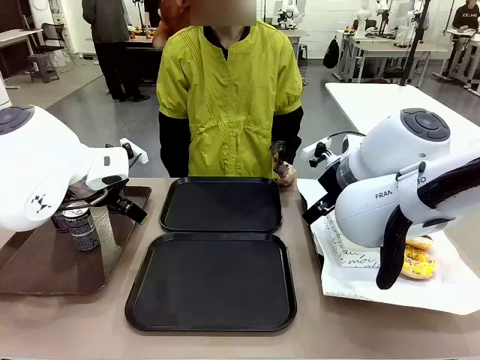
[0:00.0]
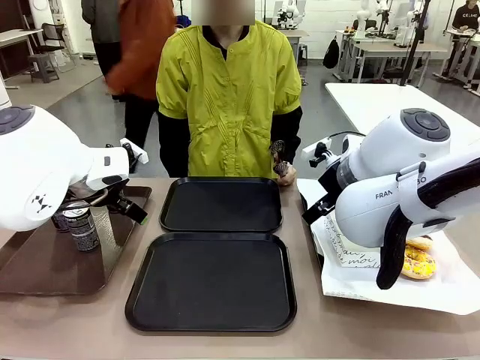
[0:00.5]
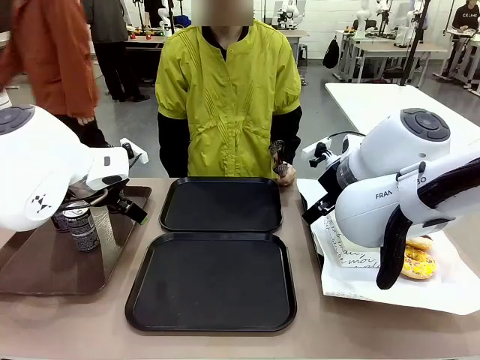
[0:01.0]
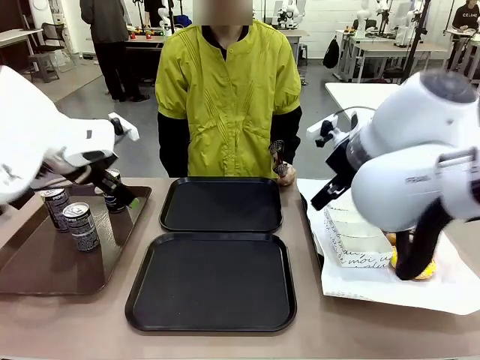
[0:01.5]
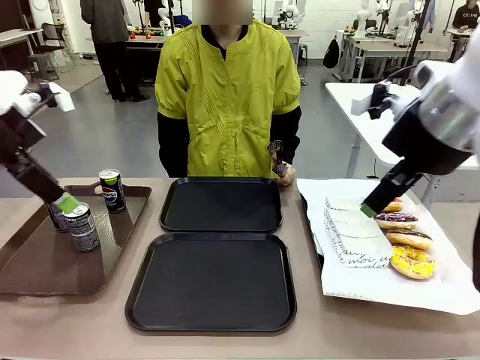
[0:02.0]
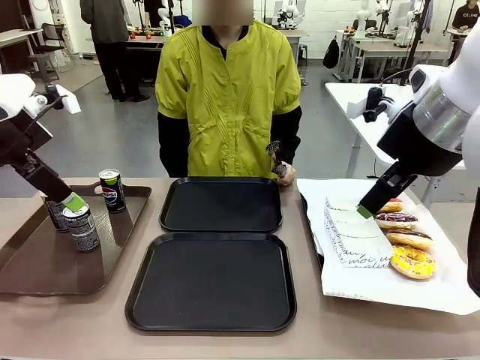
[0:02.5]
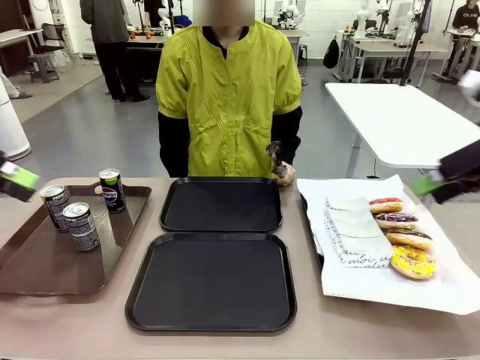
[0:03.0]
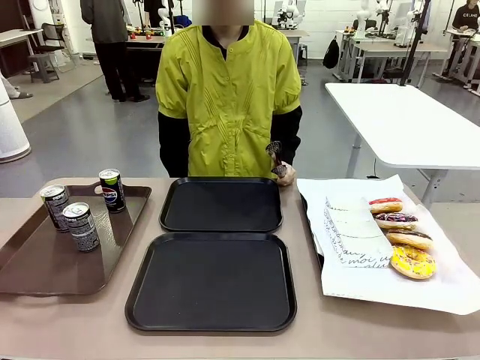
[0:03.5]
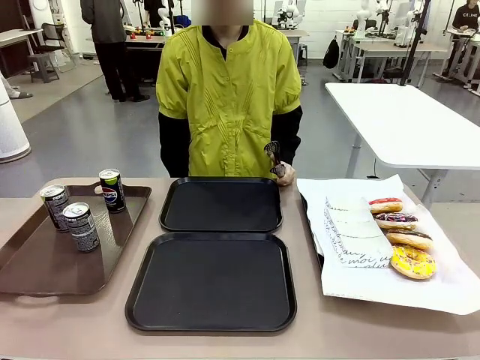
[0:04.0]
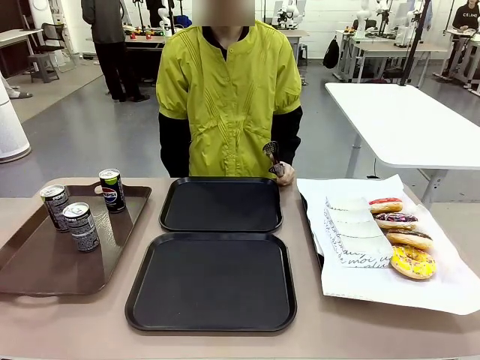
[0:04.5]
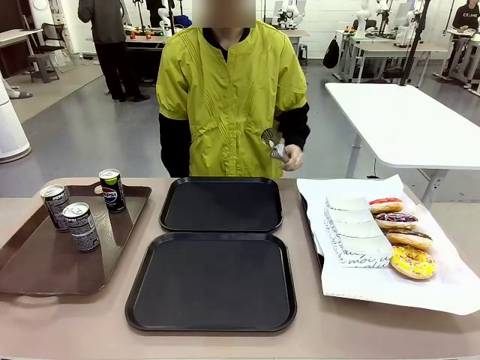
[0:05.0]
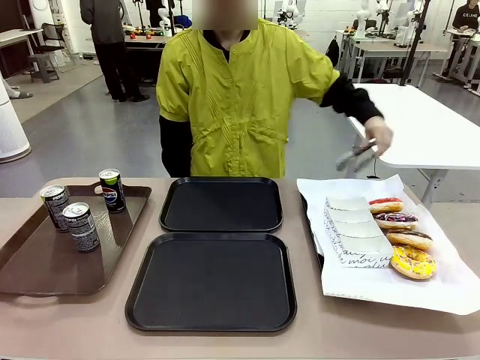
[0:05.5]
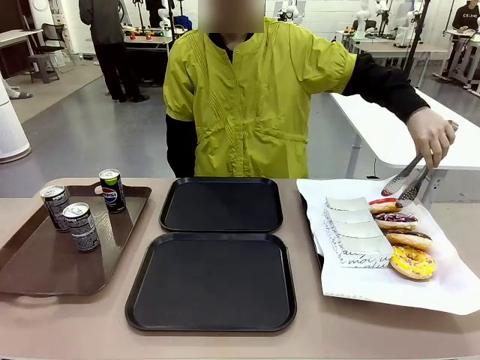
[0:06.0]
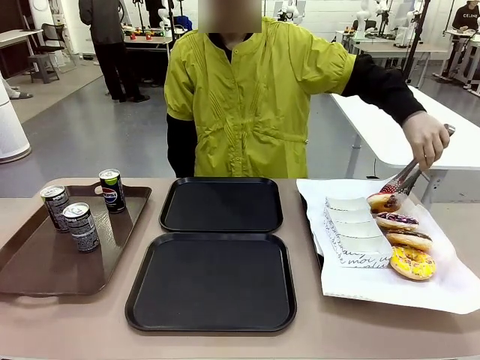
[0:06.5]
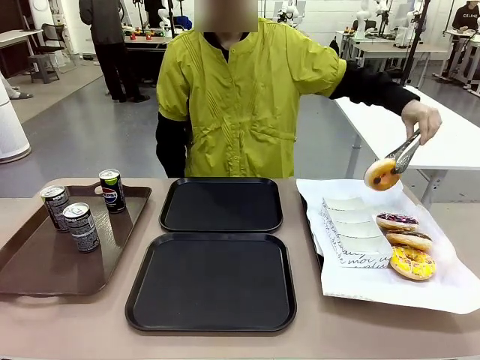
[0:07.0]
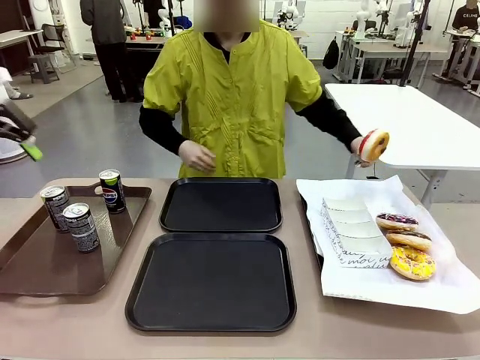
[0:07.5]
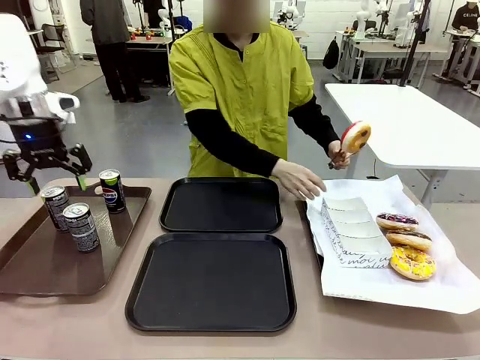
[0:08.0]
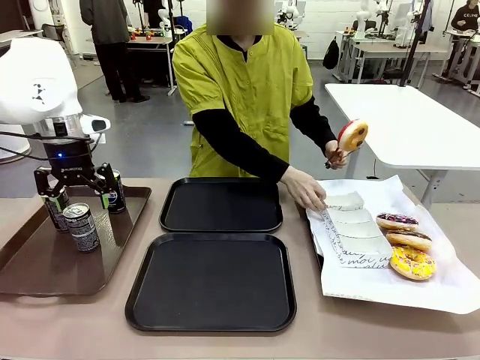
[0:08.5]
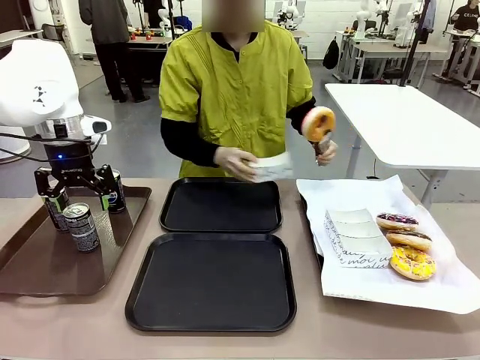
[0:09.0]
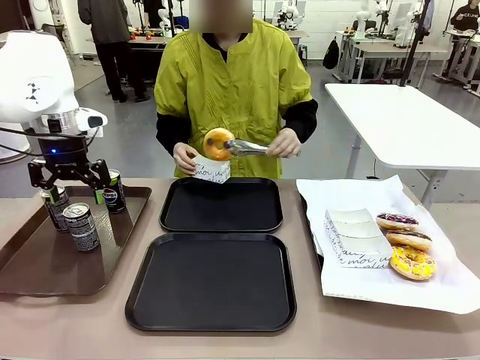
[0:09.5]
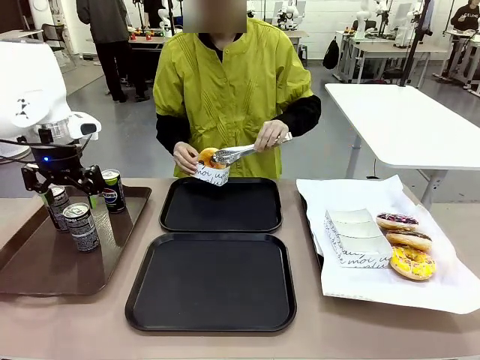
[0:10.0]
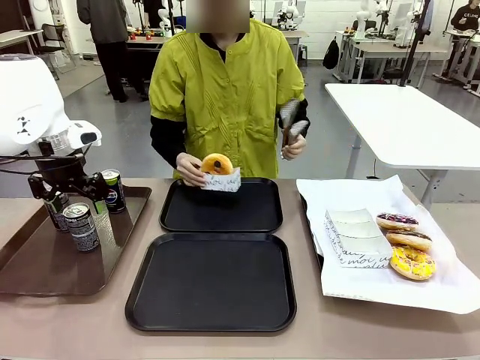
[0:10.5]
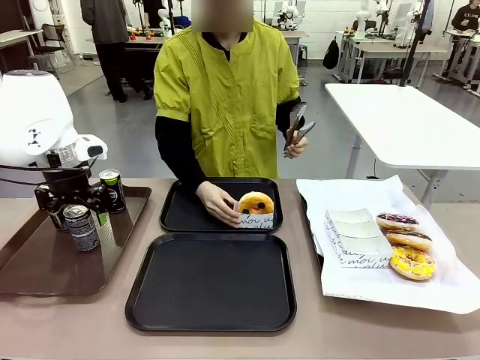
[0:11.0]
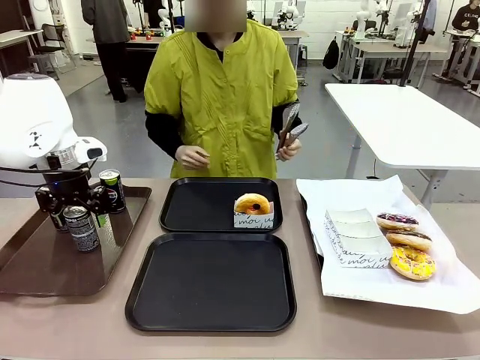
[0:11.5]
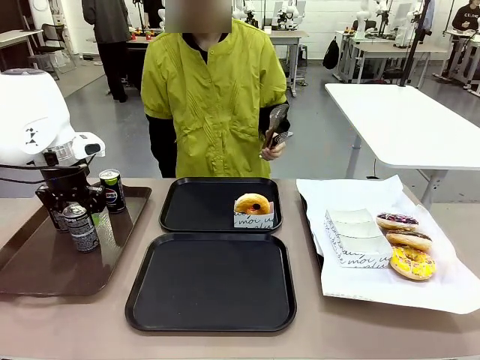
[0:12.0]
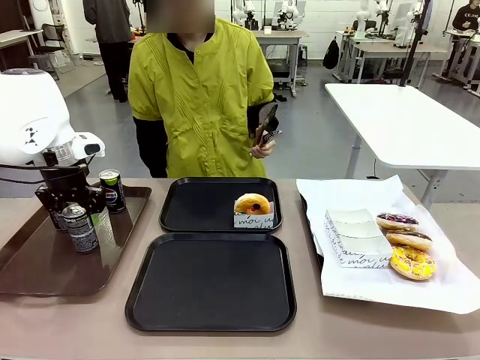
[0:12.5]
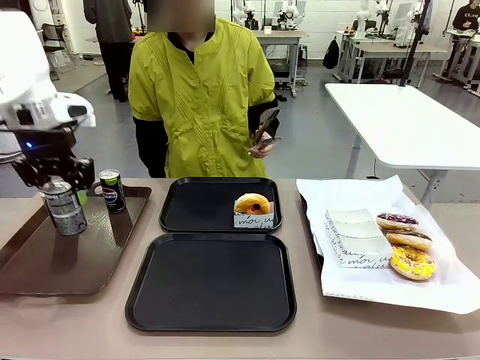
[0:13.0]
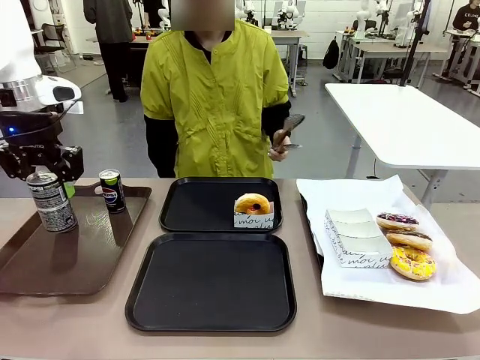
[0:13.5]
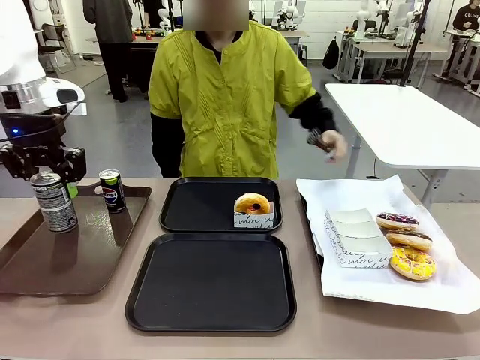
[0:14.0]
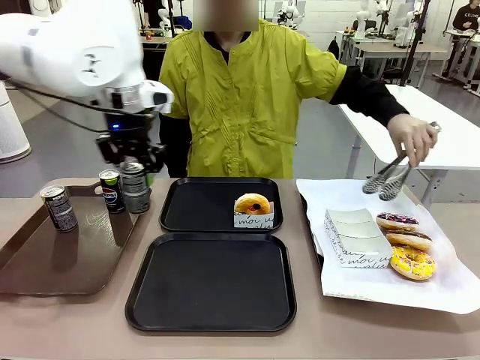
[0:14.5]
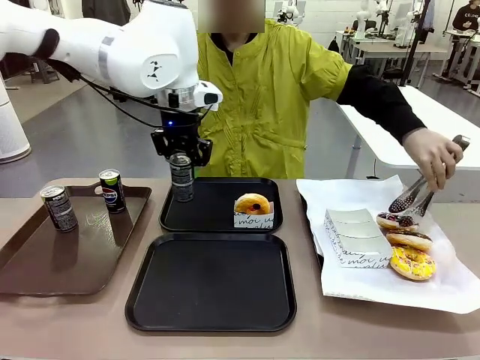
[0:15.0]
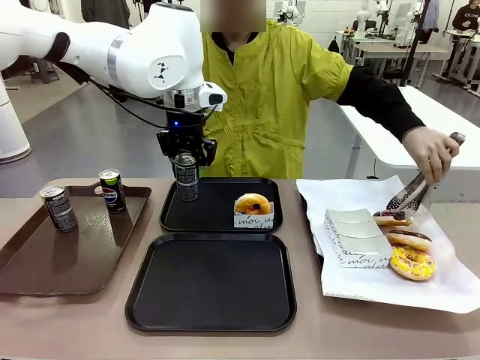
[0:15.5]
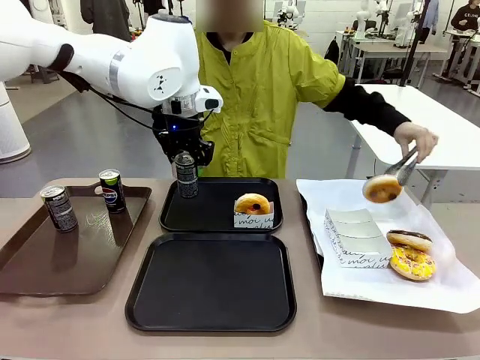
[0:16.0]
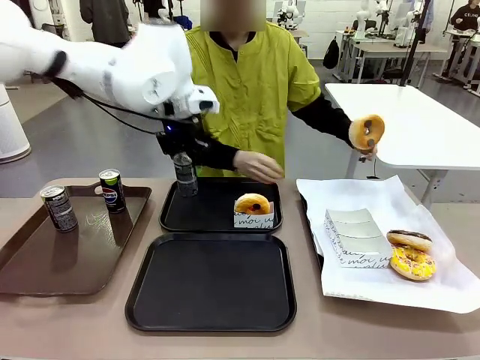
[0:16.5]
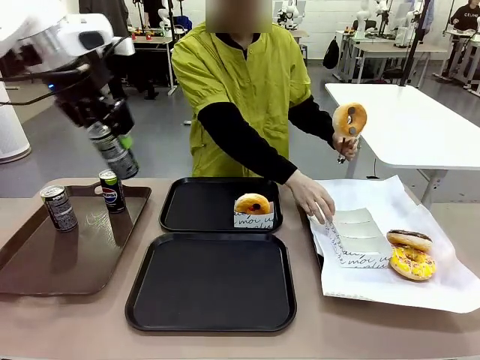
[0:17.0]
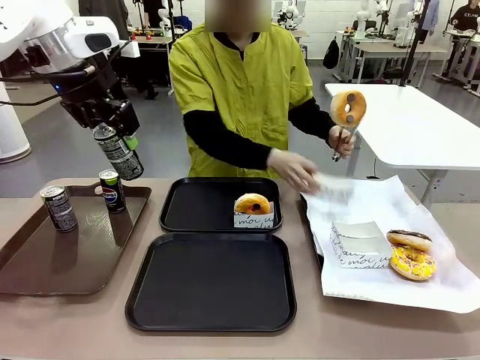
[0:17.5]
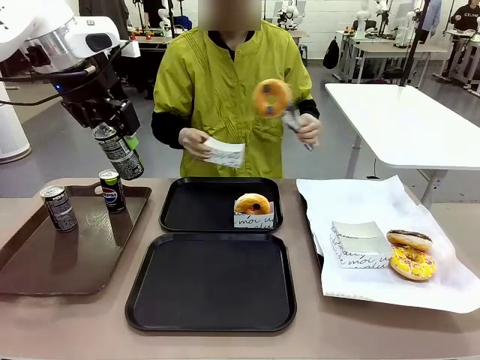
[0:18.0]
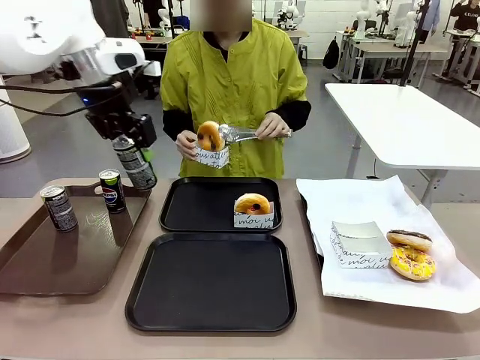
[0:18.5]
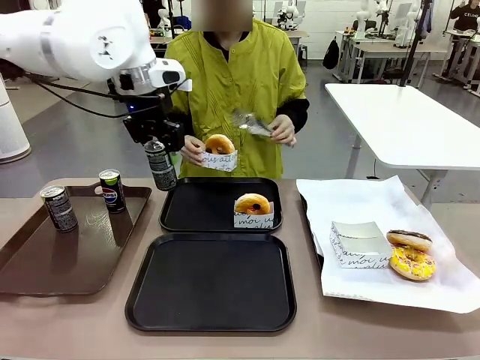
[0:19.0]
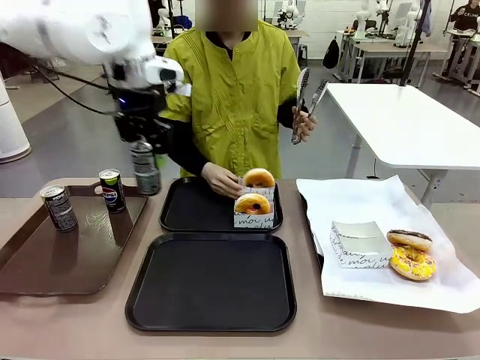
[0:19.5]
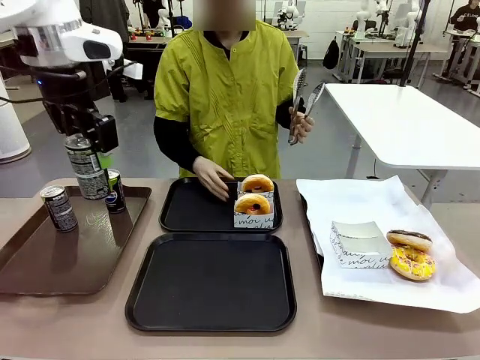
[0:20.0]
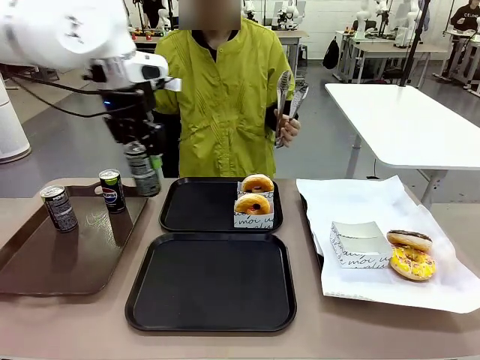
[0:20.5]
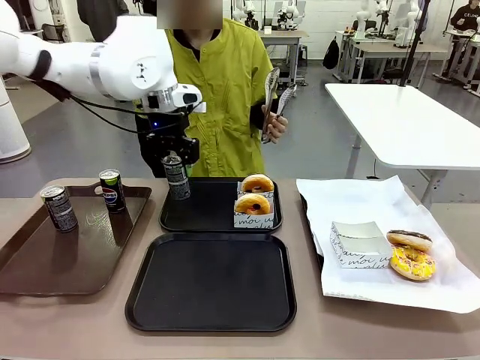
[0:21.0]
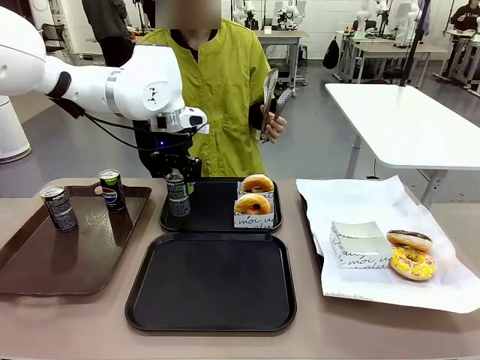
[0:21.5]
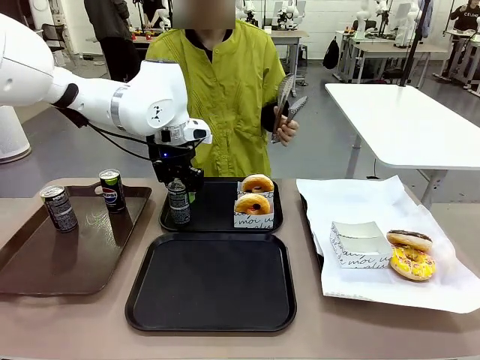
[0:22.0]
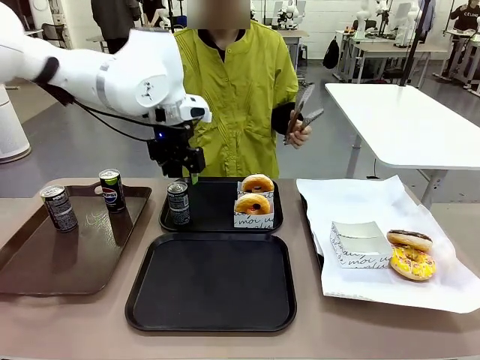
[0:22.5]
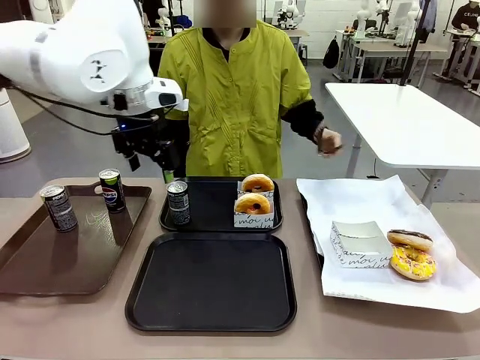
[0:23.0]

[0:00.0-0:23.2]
Task: Set up donuts and drinks on trays.
Robot: Pick up one Pepsi coke and place it on the Flat Tray.
Person: Pick up one donut with tongs, place it in the donut tray, and then place the donut tray on the flat tray.
